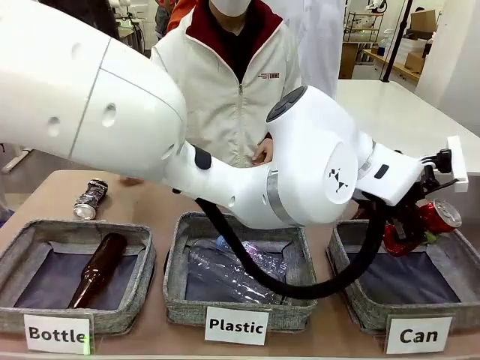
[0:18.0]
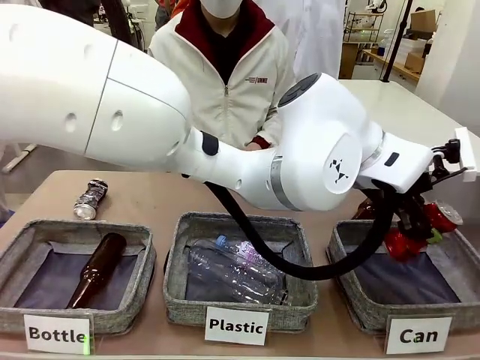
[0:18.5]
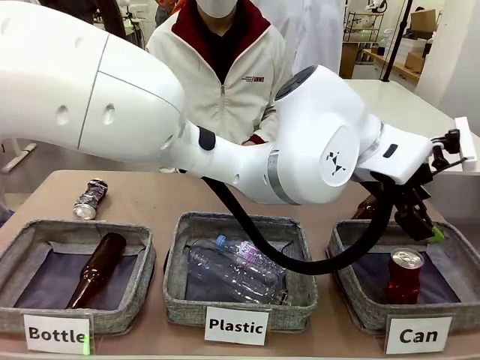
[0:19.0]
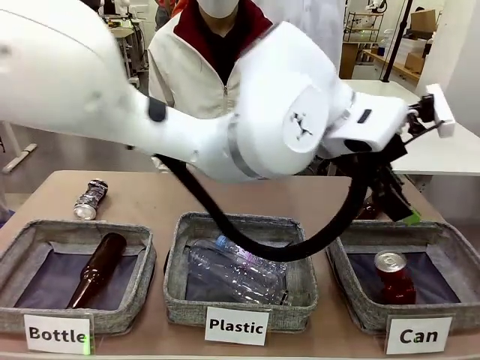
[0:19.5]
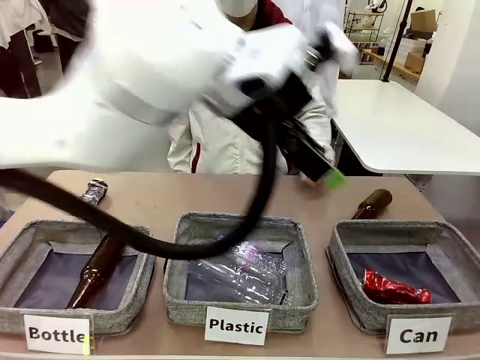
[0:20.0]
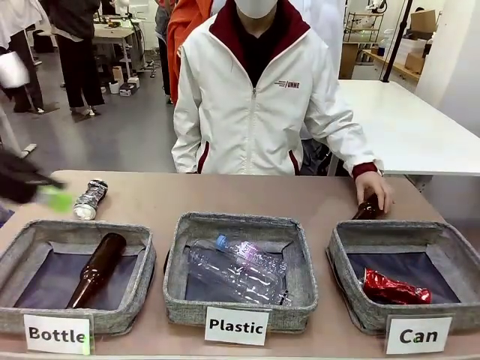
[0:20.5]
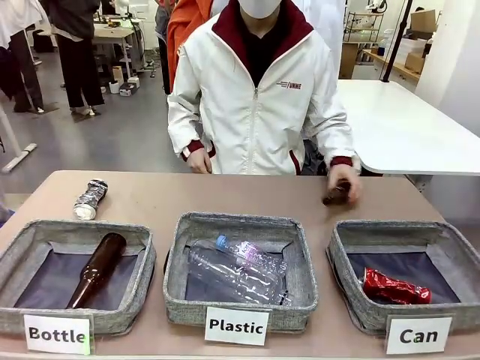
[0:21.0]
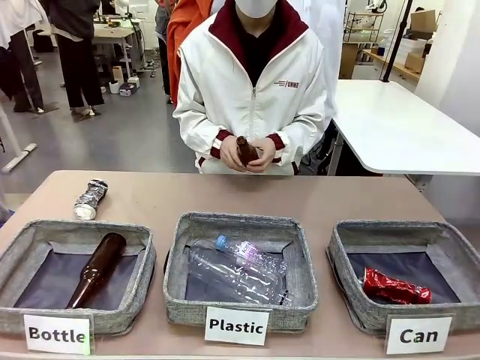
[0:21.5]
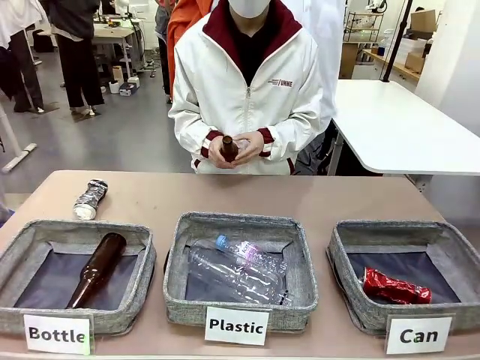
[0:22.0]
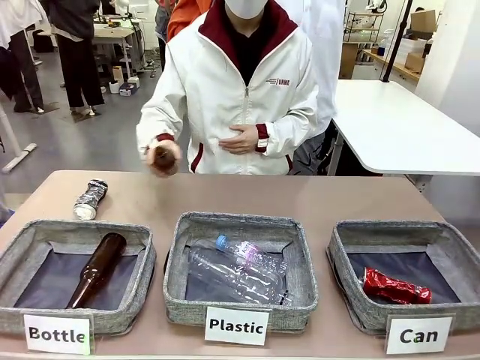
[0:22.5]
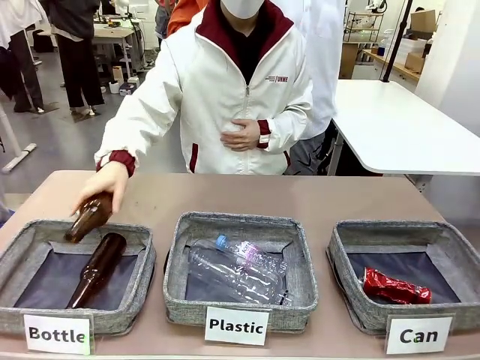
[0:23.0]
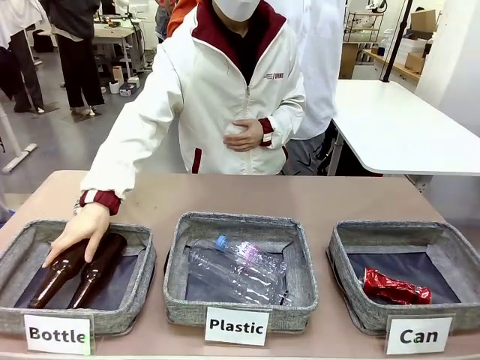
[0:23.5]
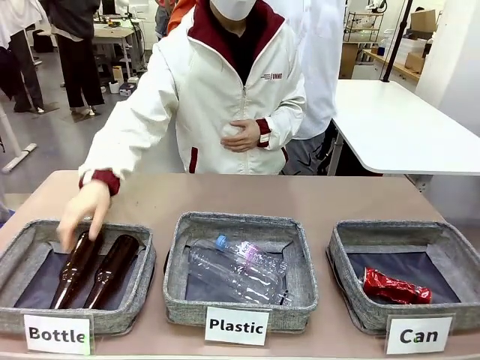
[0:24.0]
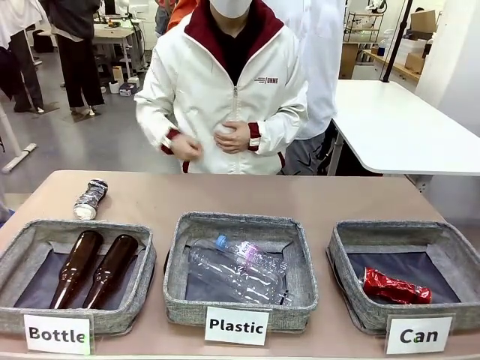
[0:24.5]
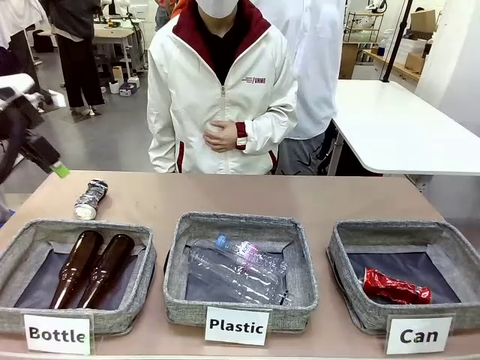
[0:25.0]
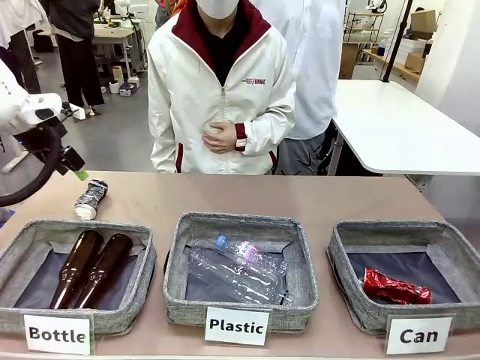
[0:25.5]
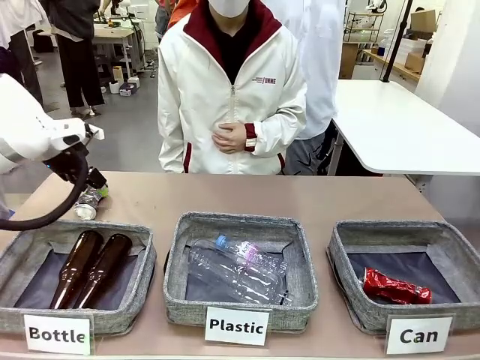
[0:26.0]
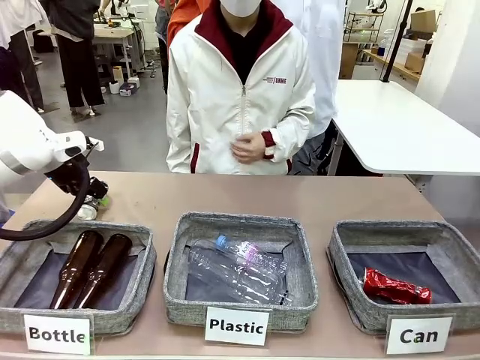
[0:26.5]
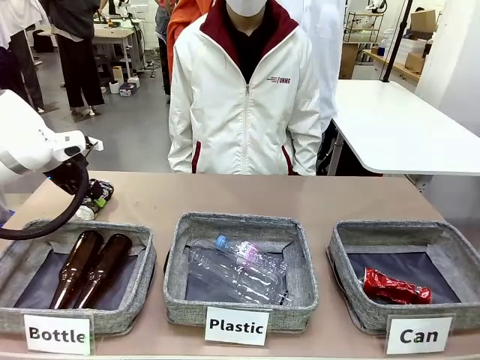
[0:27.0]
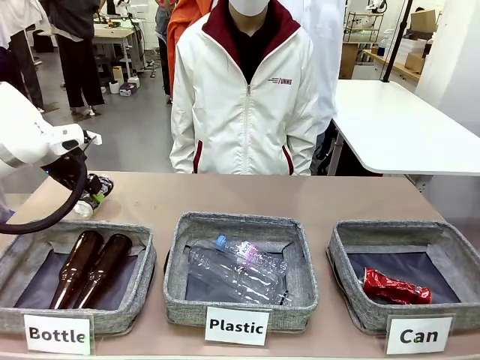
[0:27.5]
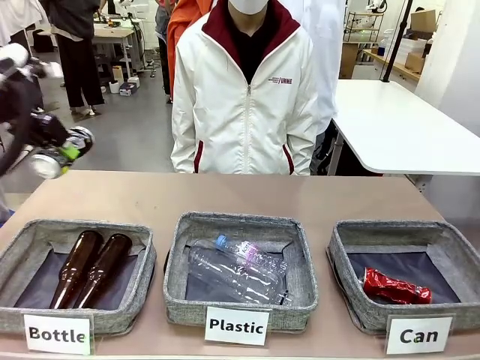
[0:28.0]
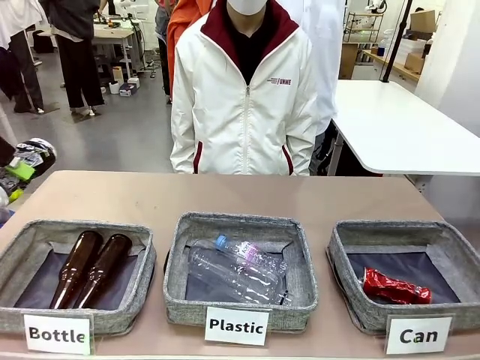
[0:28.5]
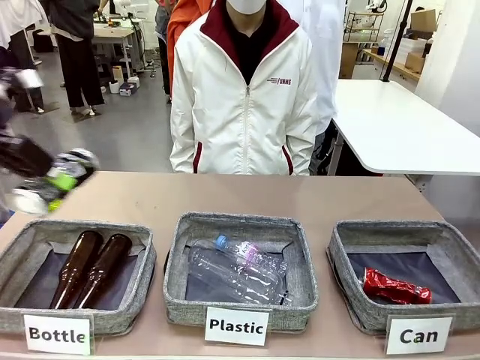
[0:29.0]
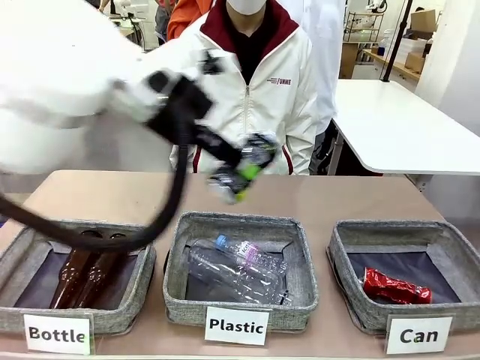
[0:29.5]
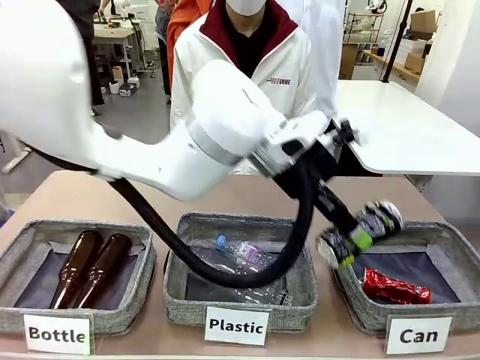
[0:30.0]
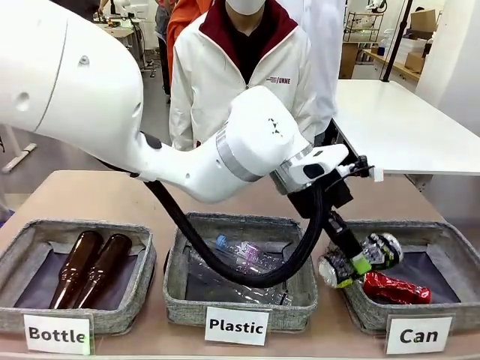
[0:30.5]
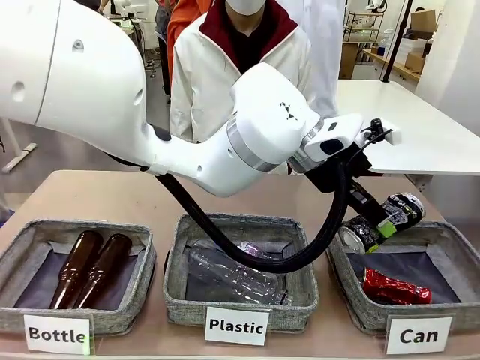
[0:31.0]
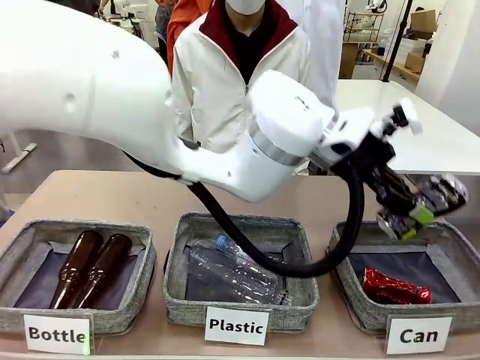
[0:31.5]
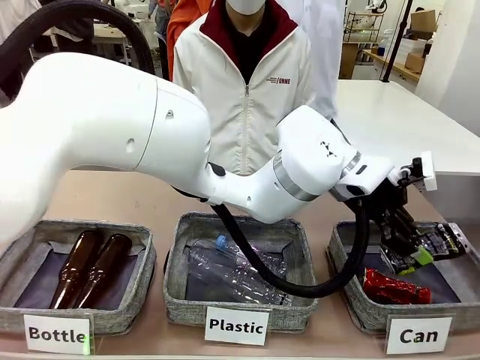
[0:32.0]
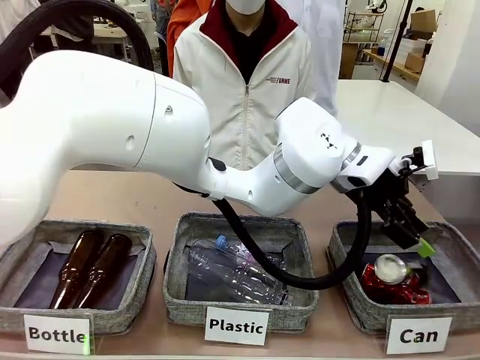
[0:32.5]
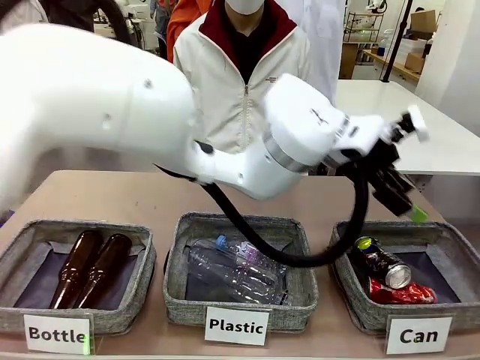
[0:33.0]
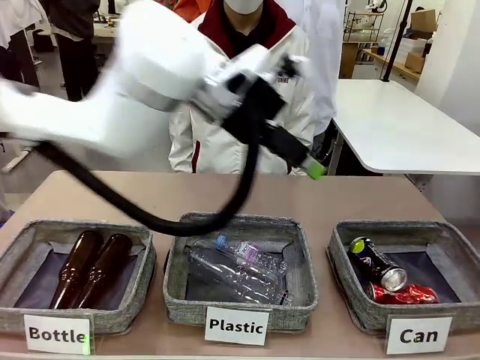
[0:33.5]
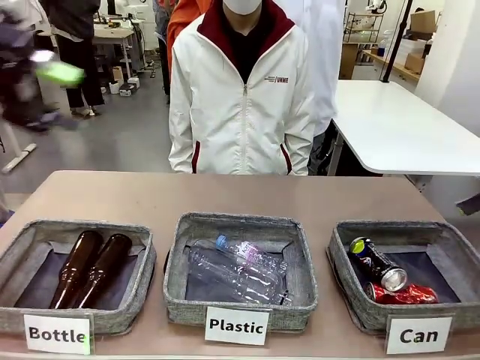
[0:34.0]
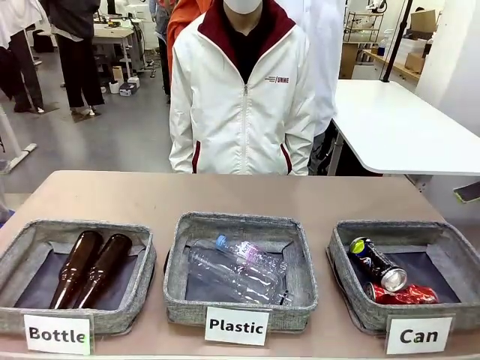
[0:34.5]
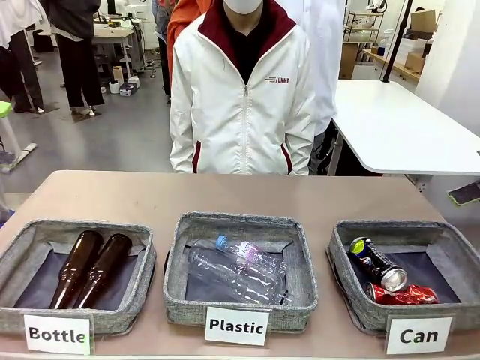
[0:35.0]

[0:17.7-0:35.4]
Task: Sort the can waste into the basket.
Robot: Pick up the can waste from the table and place it in the right Fabric basket.
